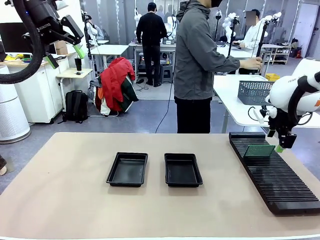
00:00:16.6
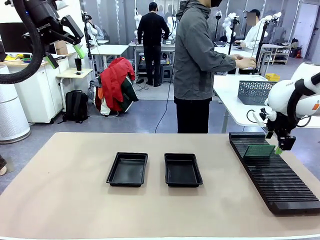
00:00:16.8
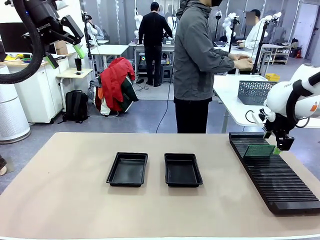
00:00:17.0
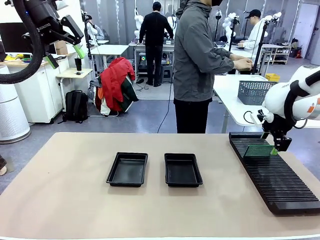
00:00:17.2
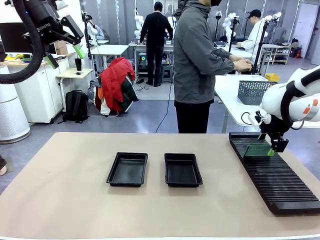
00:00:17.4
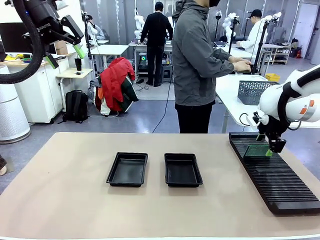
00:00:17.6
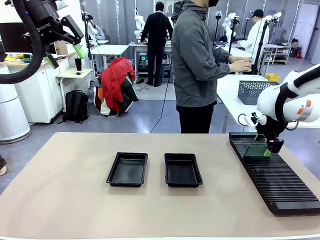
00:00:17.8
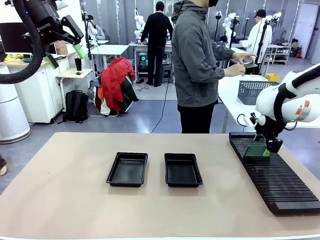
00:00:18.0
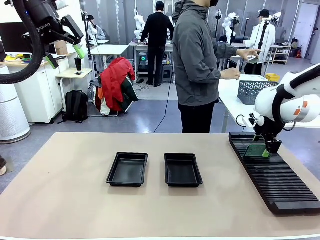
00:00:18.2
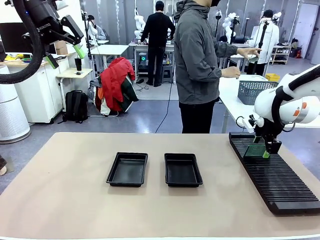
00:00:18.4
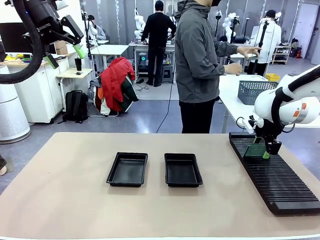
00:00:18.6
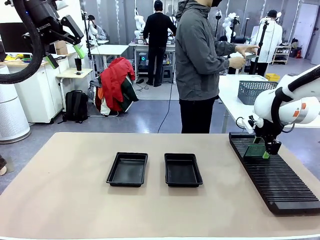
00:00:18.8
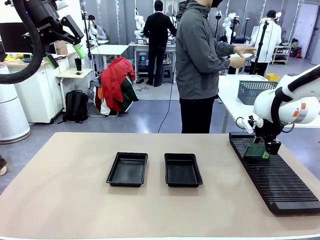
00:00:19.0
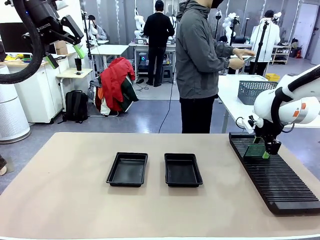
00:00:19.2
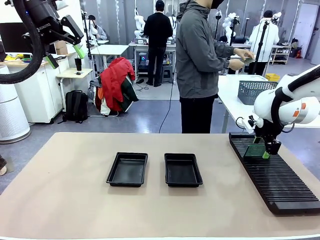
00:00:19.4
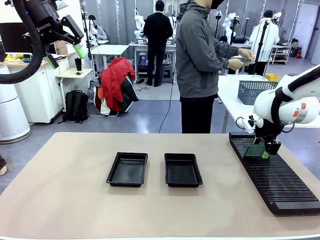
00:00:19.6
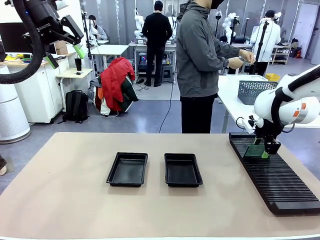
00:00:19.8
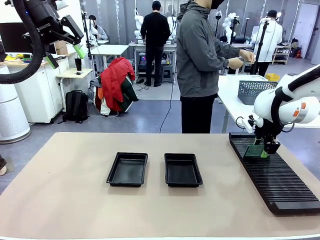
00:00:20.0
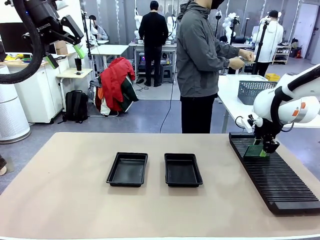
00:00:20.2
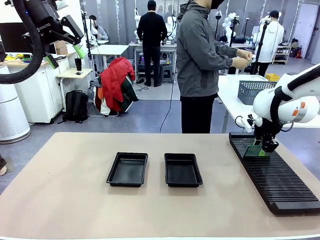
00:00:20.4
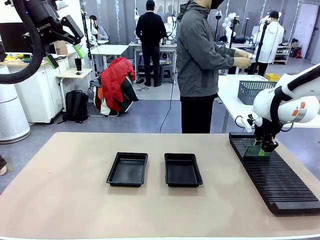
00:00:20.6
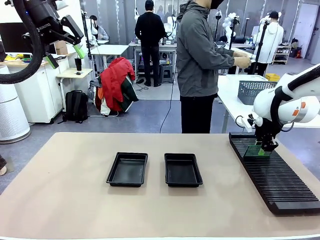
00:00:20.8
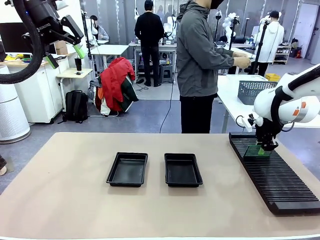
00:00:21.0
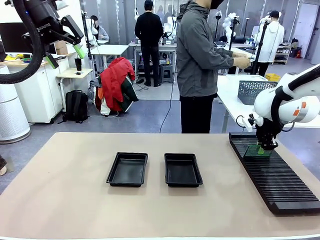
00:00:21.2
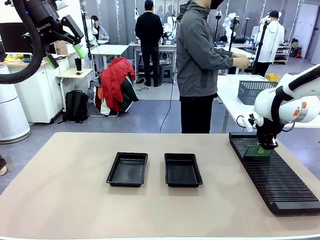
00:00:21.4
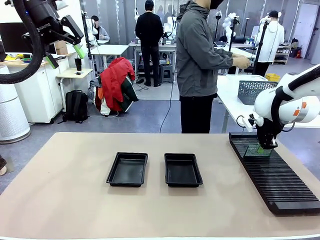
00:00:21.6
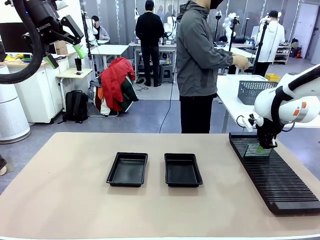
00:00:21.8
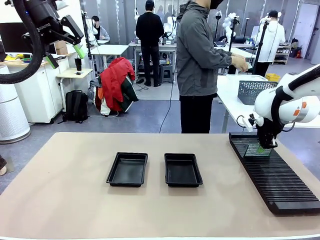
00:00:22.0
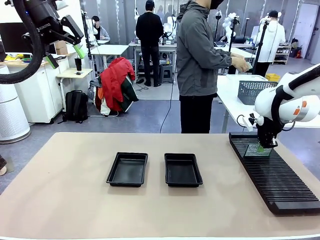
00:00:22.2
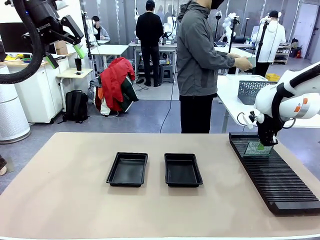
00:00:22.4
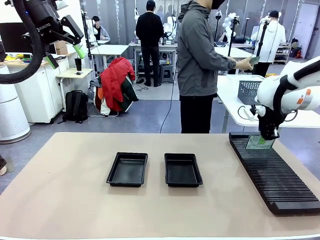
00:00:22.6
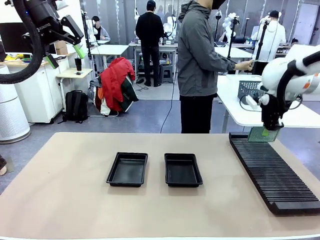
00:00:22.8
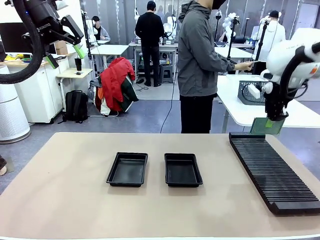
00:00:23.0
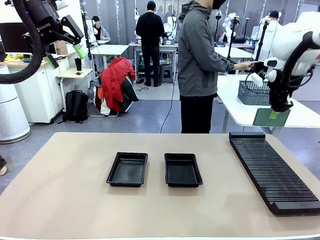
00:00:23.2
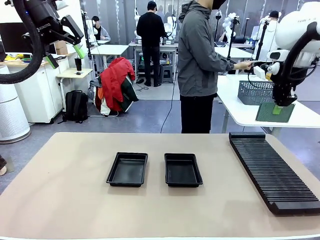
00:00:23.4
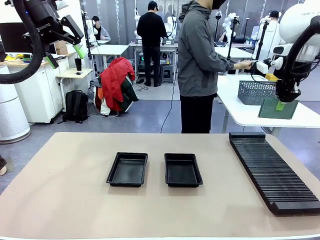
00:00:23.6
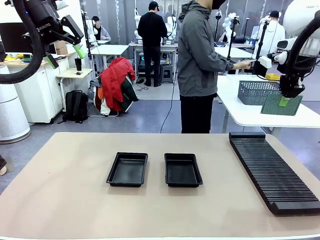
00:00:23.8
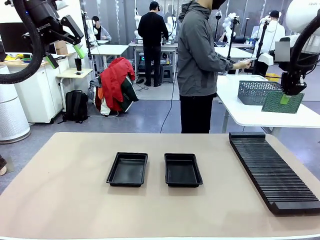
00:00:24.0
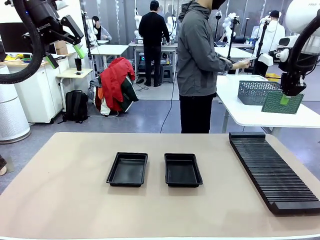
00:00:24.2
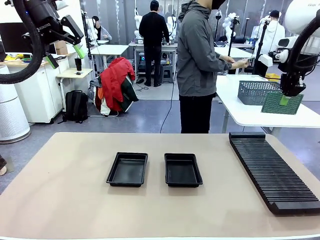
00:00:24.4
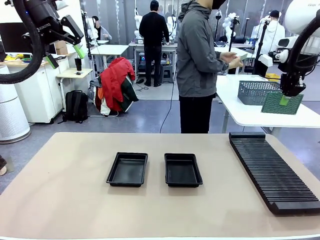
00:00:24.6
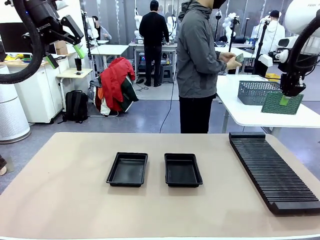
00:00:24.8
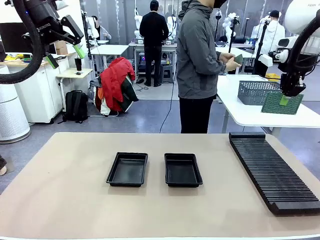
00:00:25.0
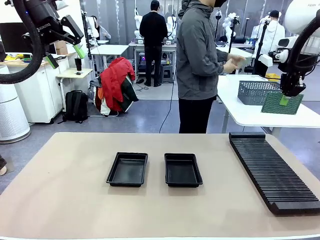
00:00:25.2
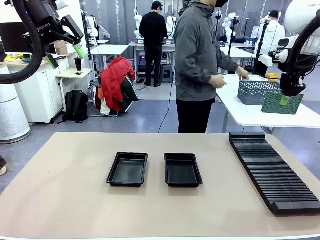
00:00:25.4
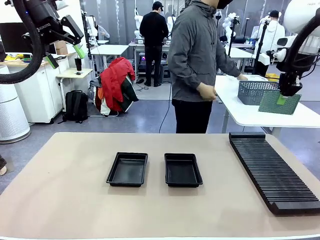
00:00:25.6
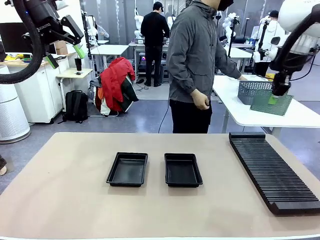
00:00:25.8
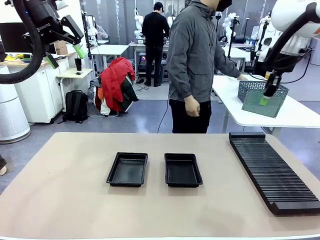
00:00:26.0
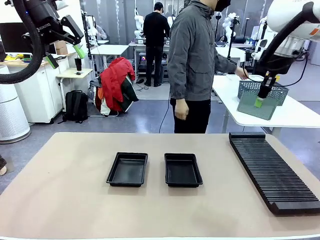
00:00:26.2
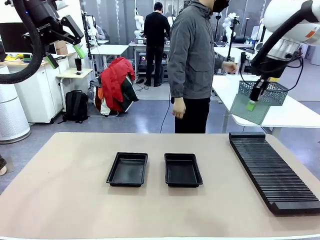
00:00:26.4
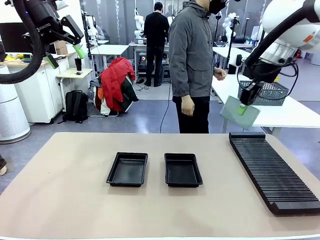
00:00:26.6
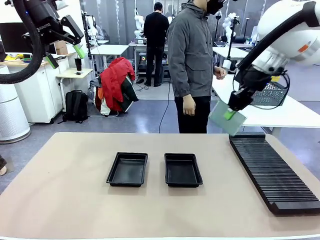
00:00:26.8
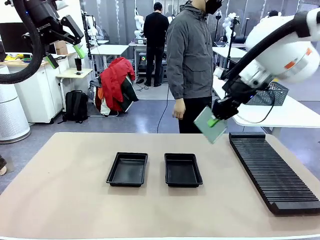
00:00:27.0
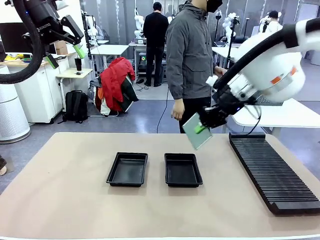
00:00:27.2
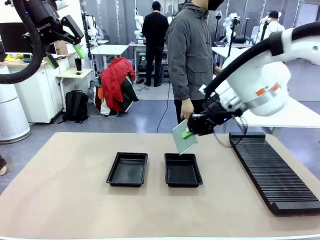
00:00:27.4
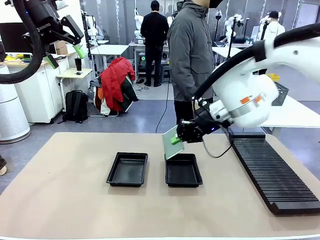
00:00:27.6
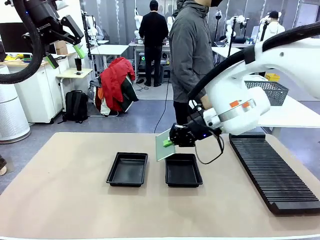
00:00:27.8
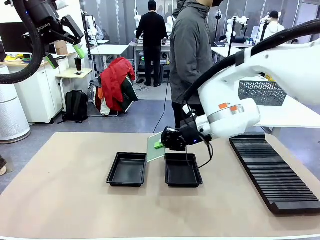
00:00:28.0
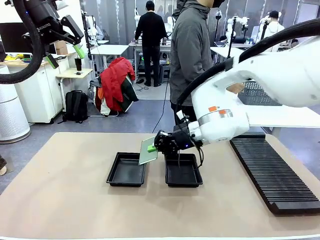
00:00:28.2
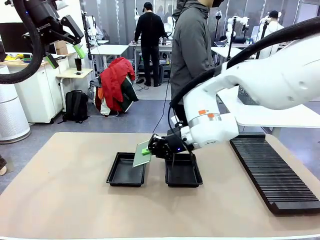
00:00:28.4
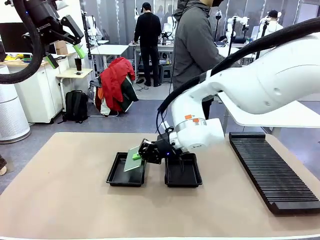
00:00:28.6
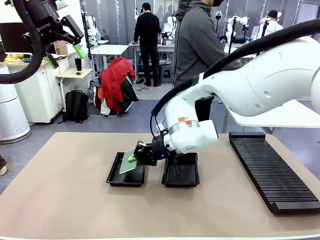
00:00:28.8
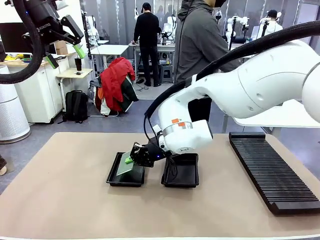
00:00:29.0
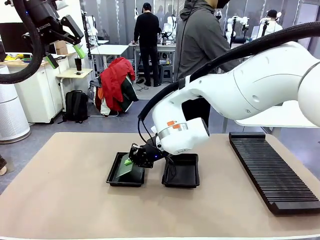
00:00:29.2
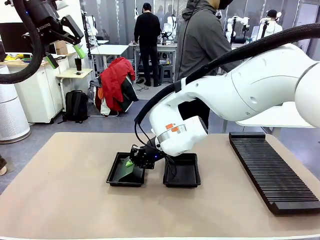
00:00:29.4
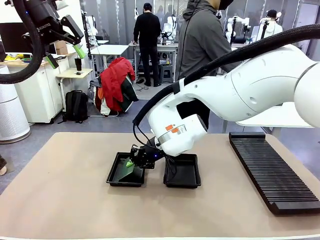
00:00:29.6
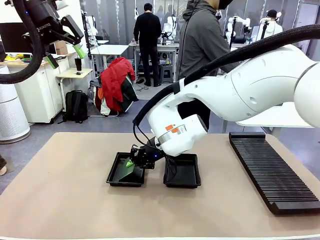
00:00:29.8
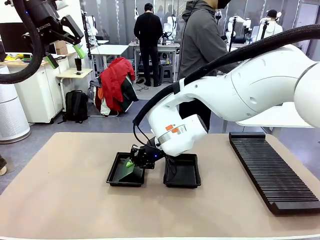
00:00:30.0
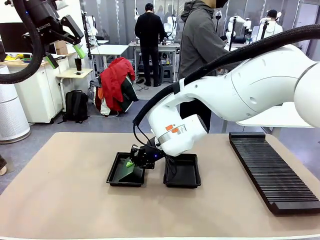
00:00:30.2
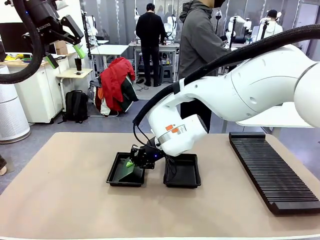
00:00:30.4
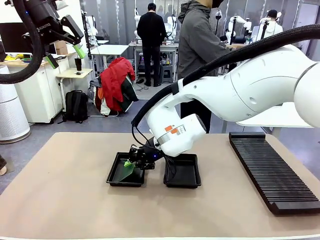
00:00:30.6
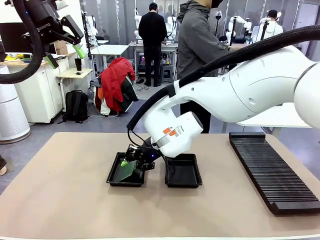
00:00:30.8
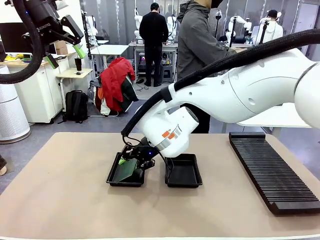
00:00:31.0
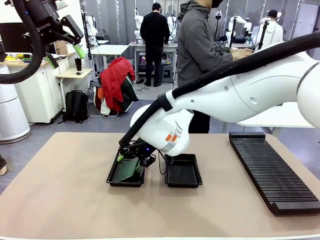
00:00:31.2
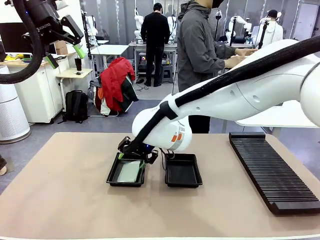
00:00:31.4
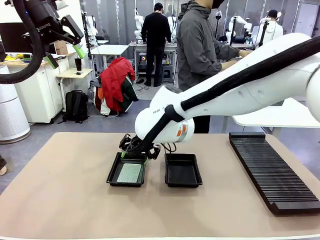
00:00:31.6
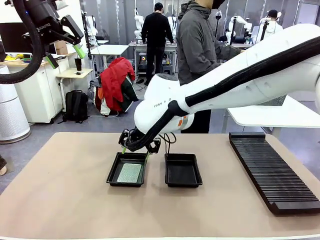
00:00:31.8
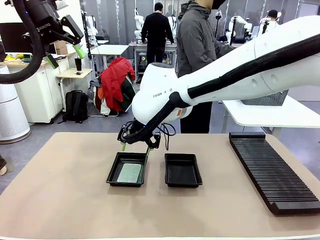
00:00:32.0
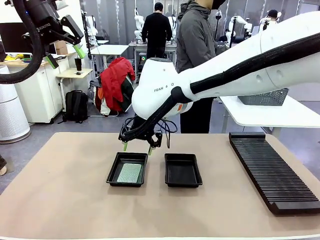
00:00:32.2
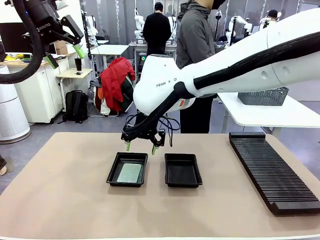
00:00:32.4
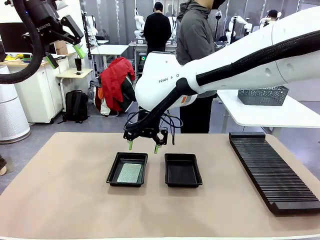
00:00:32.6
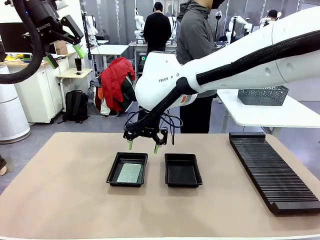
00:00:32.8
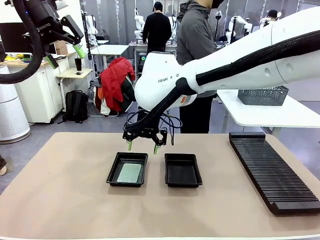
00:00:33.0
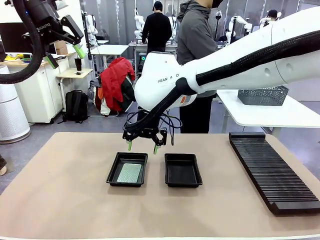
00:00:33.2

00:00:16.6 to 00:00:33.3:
Task: Inspect and transfer BCBs to ESD trays.
Robot: Pick up the Blank PCB from the PCB Rack and place it in the left ESD tray.
